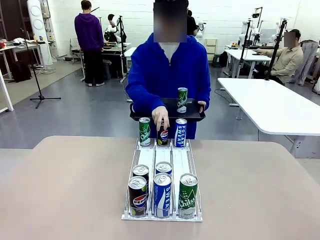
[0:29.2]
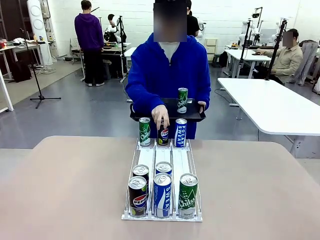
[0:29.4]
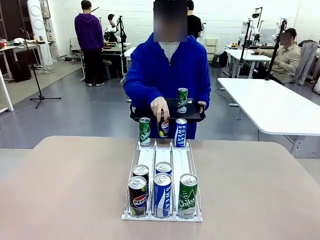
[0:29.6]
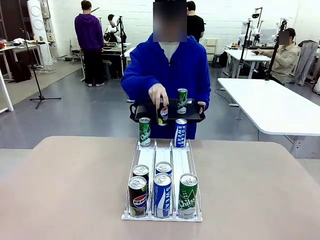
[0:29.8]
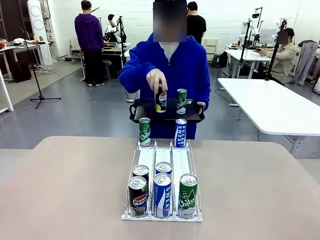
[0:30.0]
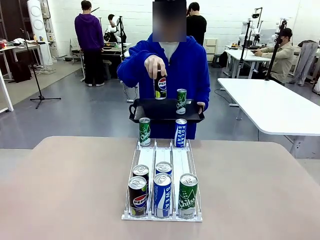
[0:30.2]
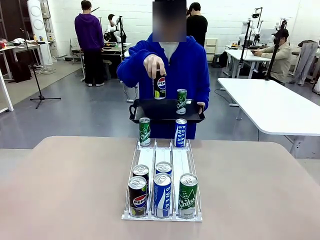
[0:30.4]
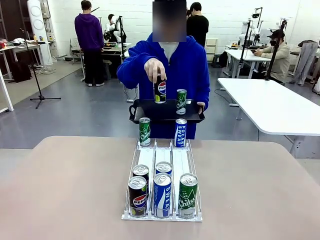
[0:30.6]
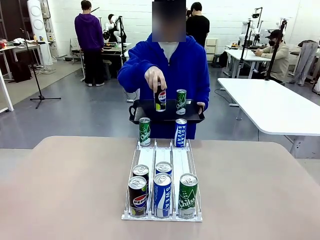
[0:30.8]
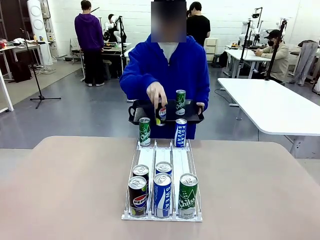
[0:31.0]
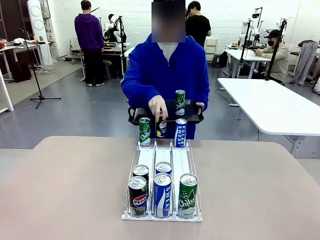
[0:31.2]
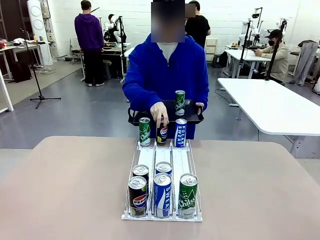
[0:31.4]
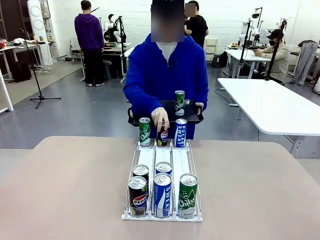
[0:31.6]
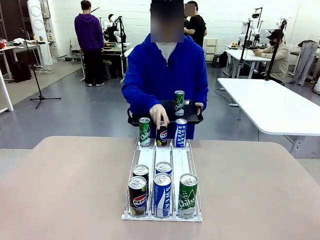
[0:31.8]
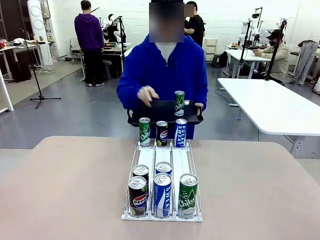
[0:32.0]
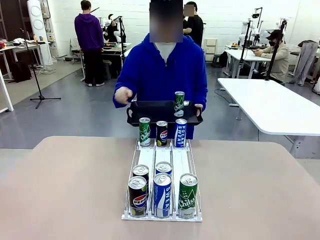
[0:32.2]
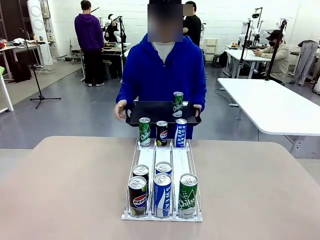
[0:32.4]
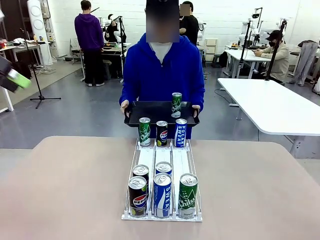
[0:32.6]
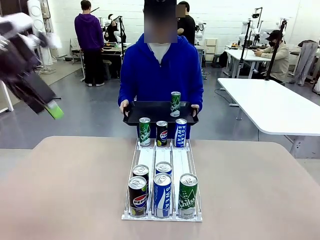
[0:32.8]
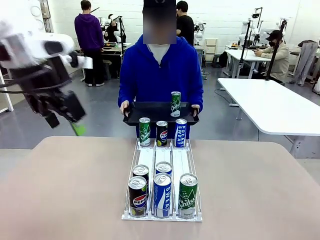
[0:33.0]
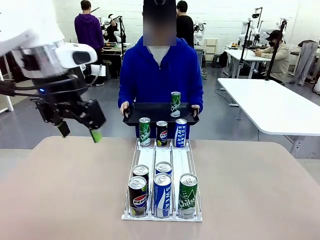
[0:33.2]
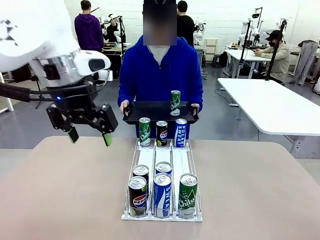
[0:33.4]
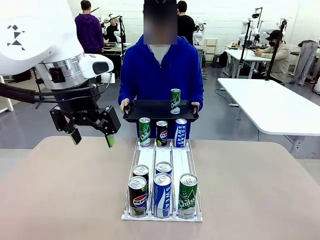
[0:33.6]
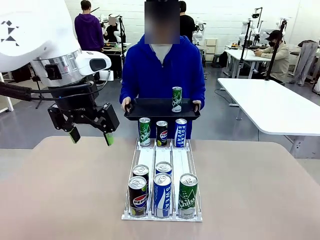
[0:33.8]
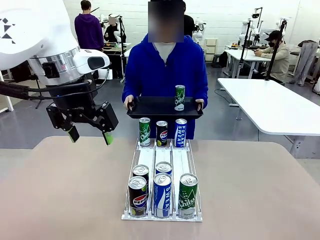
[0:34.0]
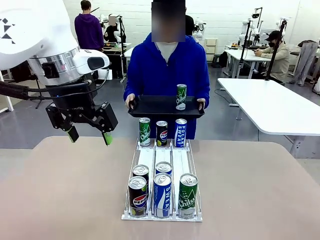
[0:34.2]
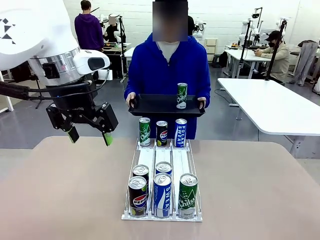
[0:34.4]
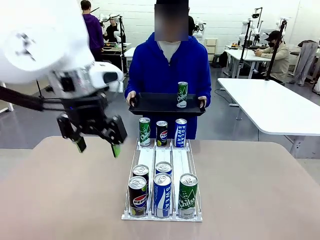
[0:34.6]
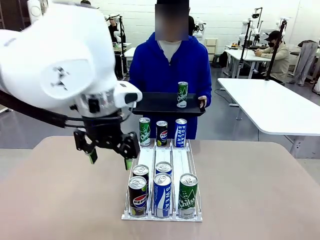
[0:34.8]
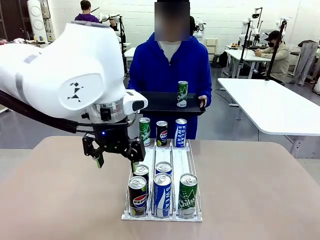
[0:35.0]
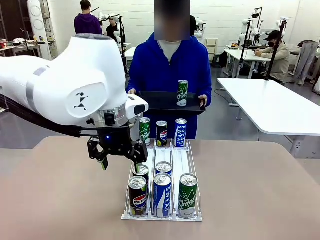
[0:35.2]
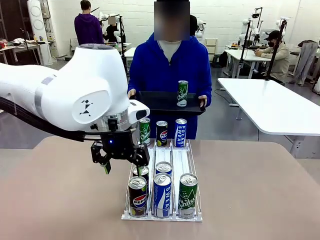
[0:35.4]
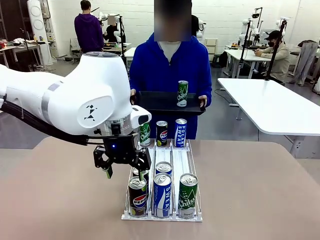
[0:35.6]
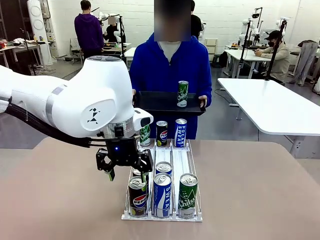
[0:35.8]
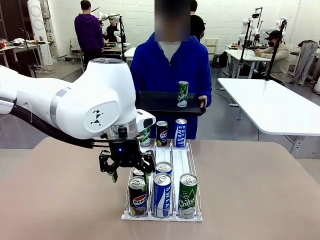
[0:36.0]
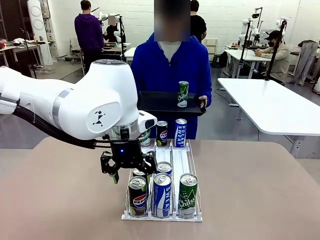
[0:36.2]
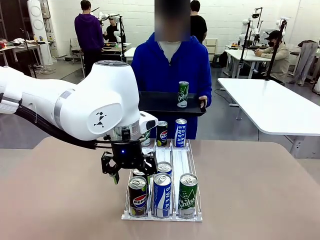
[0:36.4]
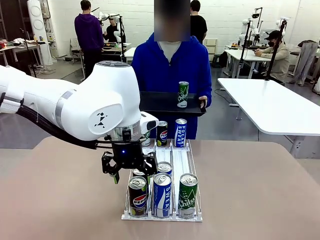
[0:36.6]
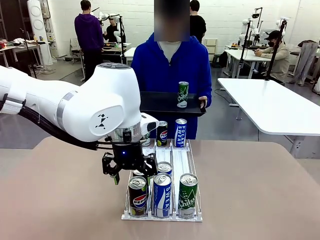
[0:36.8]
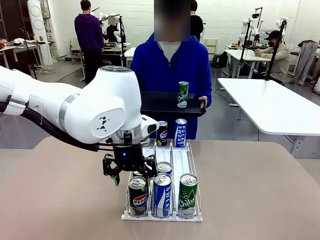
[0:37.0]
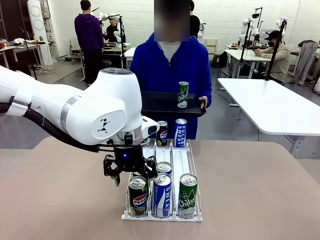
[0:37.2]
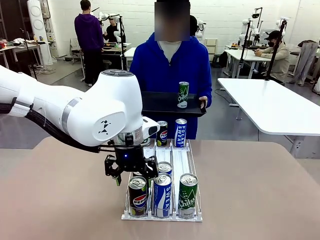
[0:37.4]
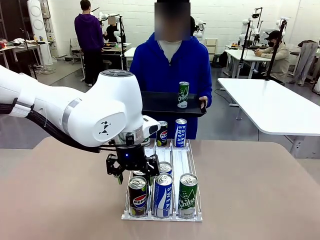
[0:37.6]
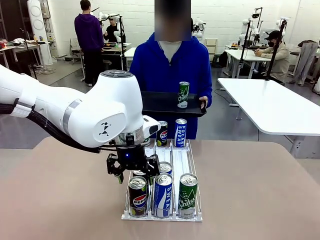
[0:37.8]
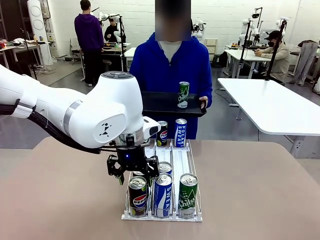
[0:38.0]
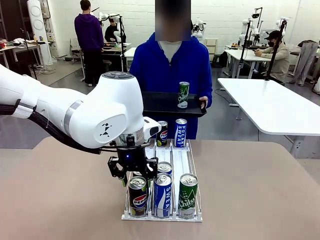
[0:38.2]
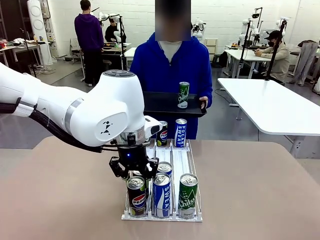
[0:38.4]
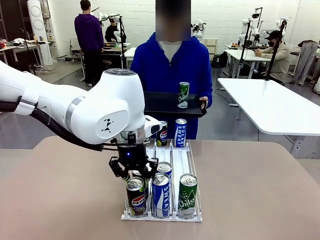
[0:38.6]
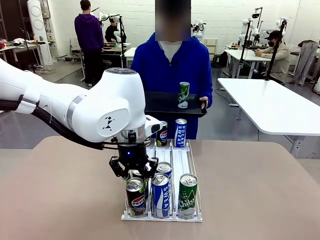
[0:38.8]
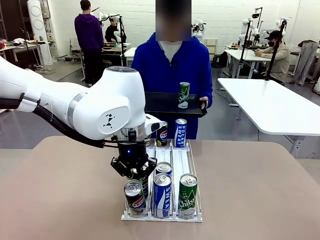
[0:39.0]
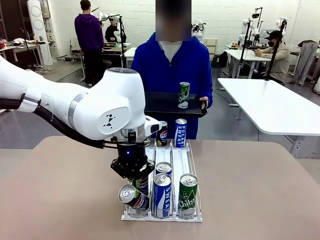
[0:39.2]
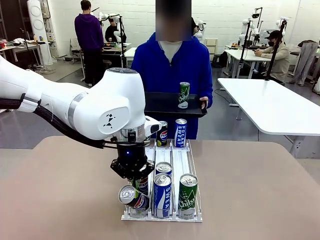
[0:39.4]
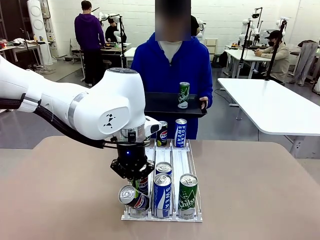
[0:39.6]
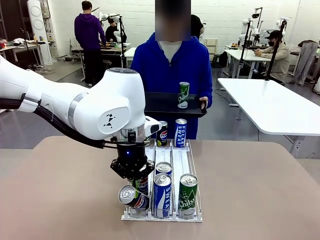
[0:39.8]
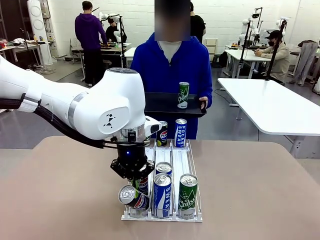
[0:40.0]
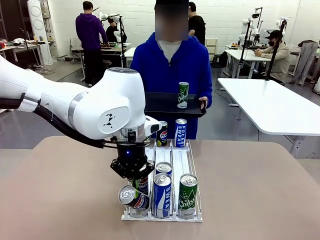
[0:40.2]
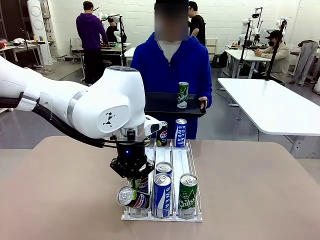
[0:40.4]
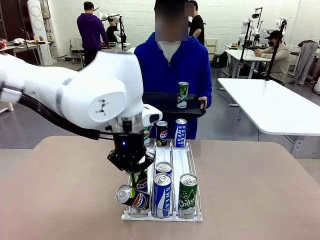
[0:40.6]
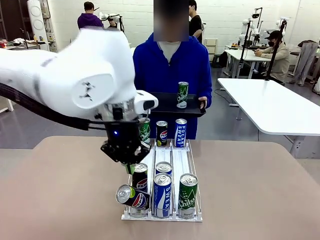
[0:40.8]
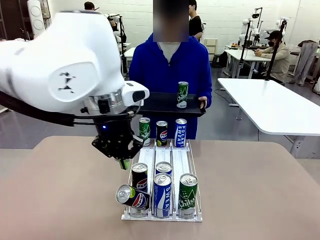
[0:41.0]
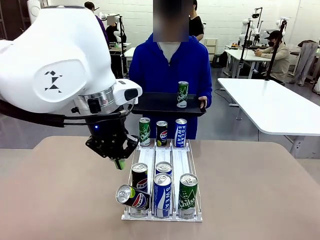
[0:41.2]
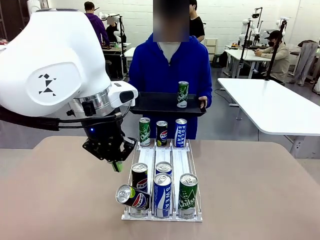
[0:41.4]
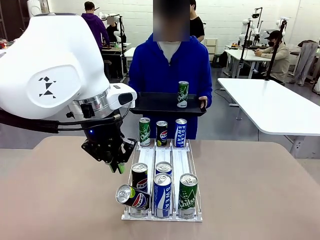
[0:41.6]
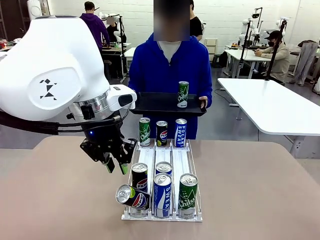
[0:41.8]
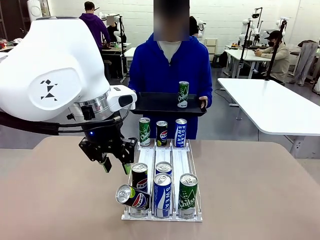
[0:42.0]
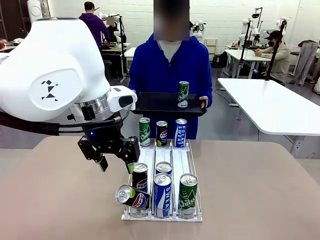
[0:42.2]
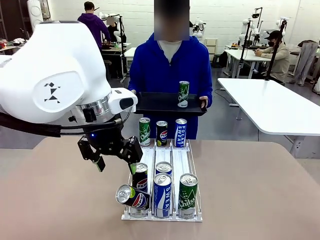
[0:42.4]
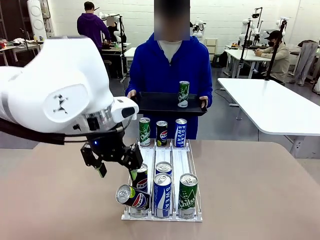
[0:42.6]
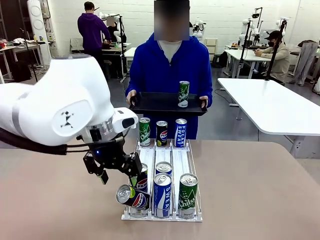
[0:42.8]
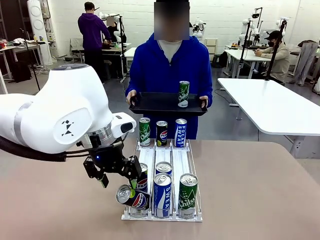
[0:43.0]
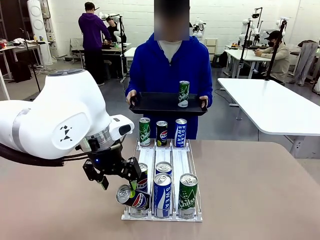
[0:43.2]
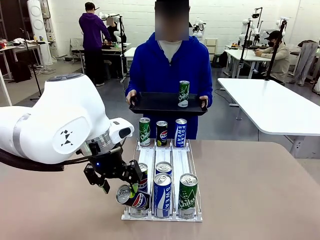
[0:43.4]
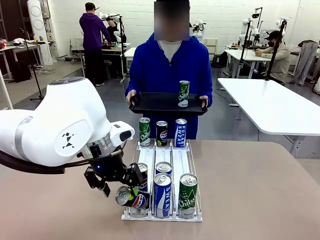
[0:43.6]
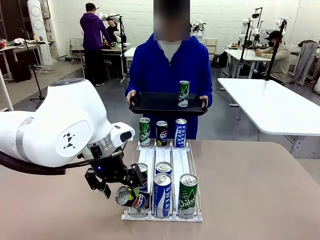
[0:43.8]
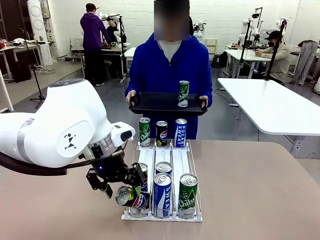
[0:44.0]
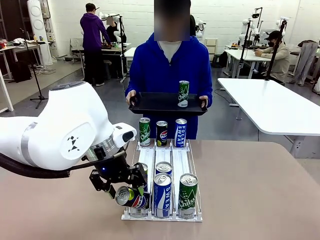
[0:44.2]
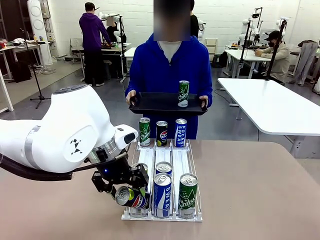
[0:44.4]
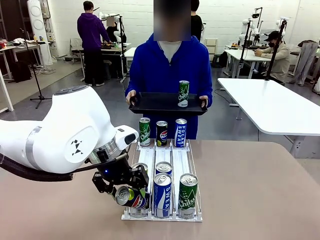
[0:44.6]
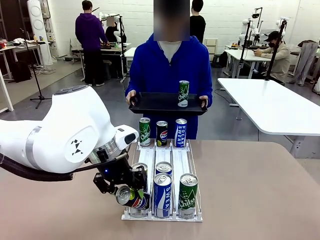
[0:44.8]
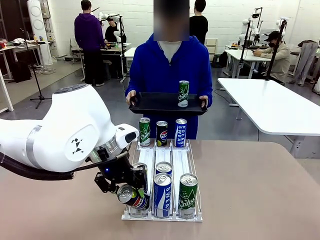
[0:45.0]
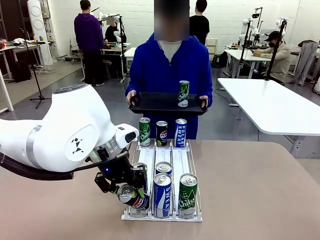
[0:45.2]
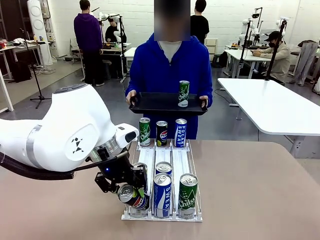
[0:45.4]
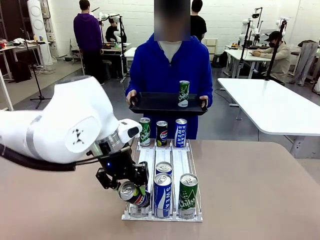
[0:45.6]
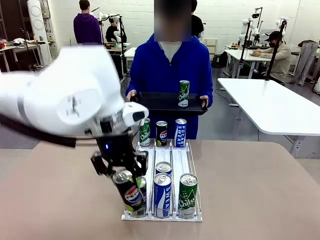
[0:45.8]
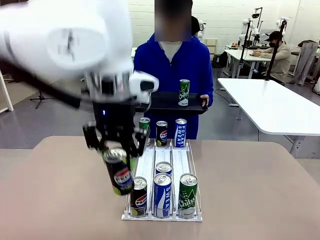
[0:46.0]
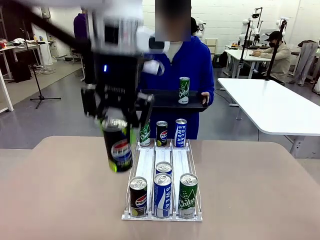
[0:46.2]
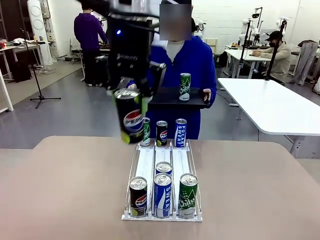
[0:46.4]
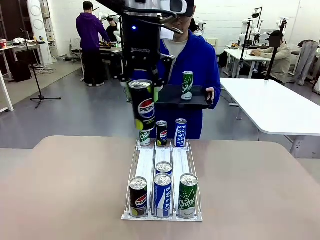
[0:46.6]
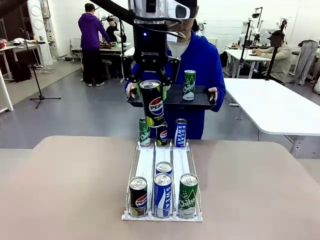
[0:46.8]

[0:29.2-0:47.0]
Task: Retrieve and hand over the desired beverage to the person.
Robot: Pick up another can of the same type that the person held from the Automatic Can Dispenser.
Person: Push the tray toward the robot again.

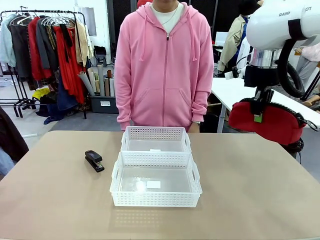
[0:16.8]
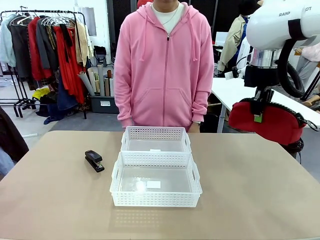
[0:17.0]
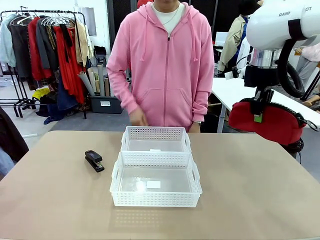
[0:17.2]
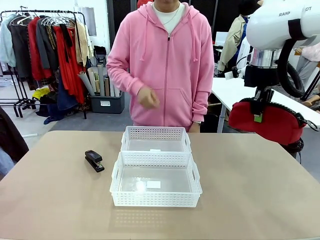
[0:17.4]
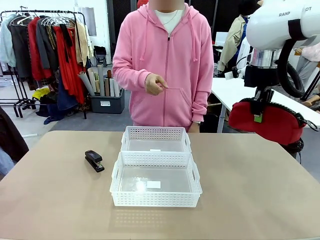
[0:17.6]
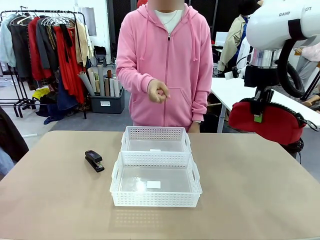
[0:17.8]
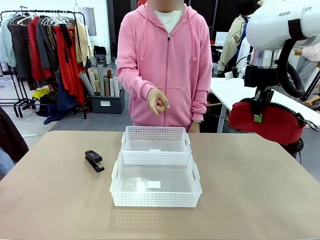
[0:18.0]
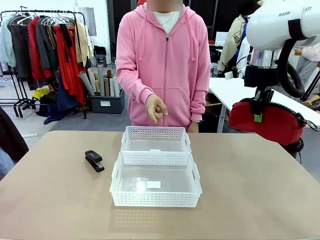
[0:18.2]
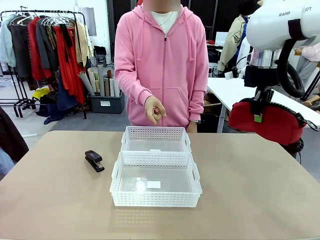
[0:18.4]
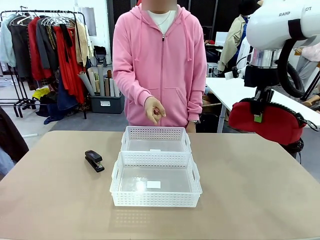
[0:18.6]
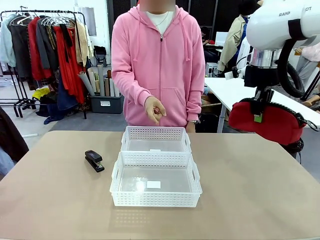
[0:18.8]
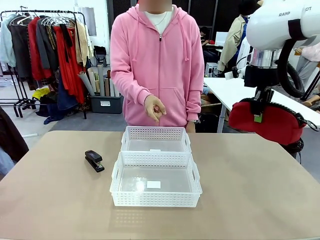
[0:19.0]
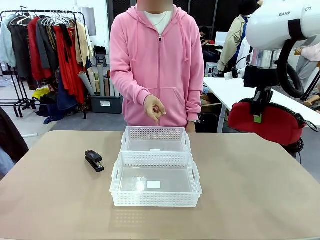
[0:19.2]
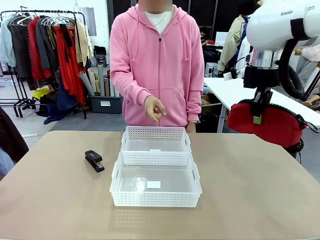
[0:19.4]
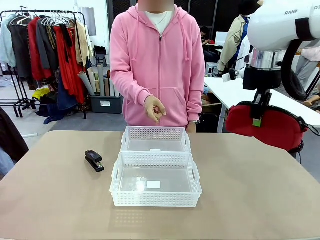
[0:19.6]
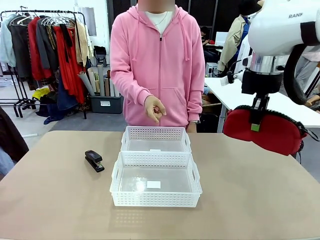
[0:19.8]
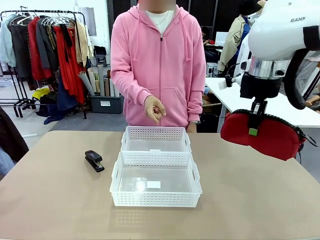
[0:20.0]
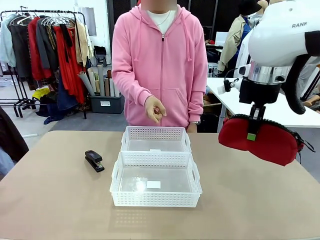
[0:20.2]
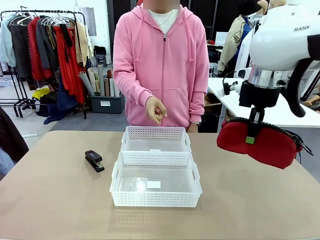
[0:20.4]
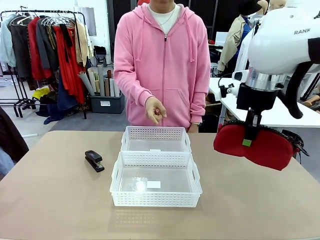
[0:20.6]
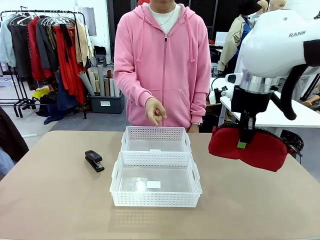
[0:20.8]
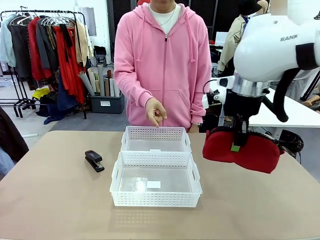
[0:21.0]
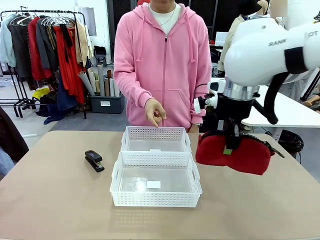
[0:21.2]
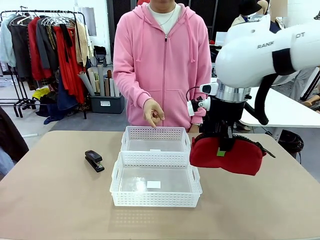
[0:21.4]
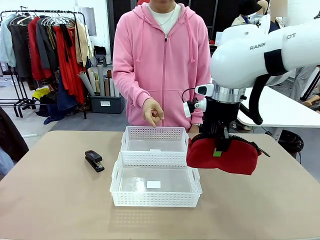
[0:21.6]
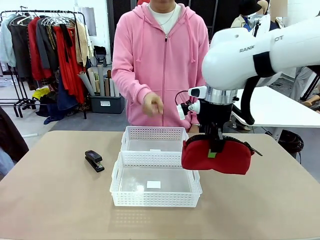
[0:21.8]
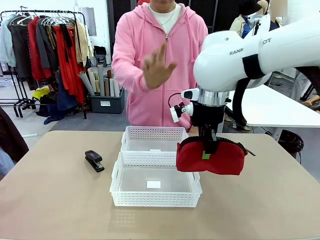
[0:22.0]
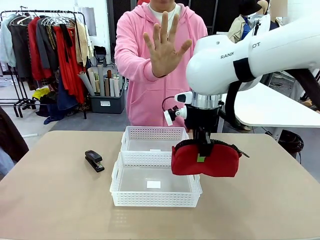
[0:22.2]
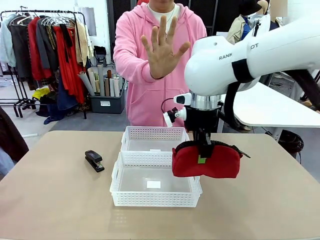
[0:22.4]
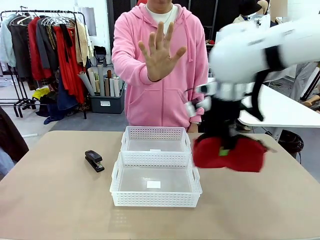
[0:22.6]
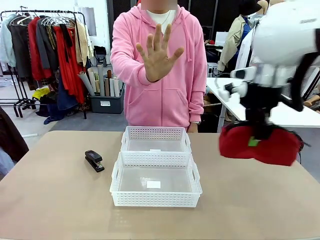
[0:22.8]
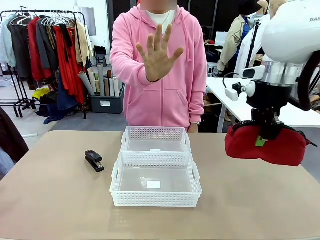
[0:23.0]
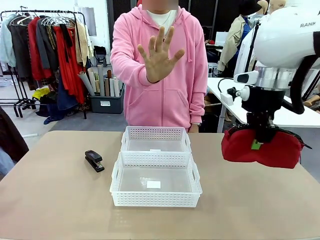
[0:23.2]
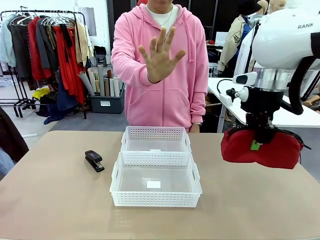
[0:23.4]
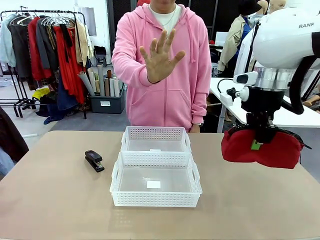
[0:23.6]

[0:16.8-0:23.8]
Task: Distribute items into two baskets.
Robot: Move the picked Pencil pouch towards the Organizing basket indicated by the person, stopping as directed.
Person: Sends a stop gesture before the robot places the pencil case into the basket.
